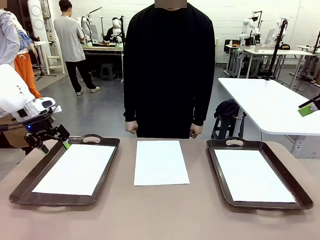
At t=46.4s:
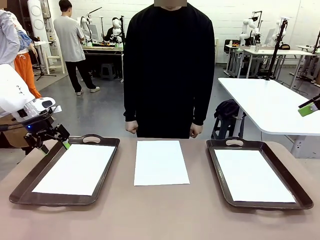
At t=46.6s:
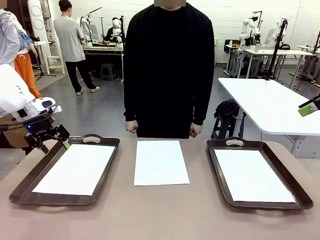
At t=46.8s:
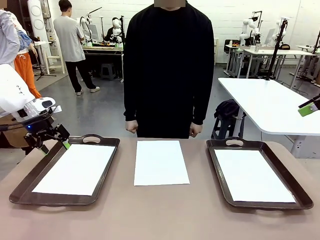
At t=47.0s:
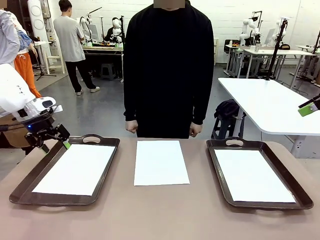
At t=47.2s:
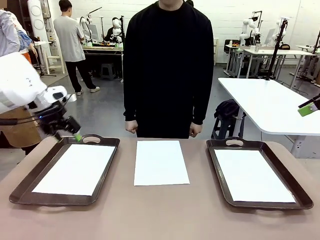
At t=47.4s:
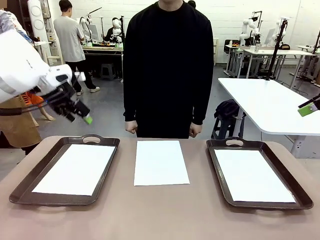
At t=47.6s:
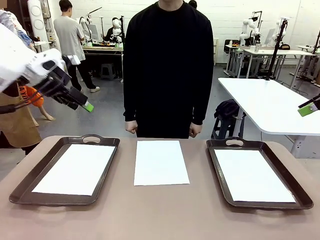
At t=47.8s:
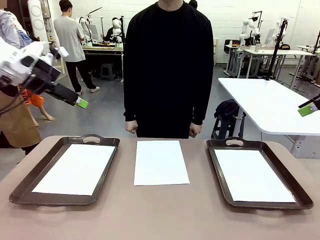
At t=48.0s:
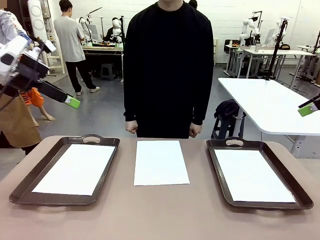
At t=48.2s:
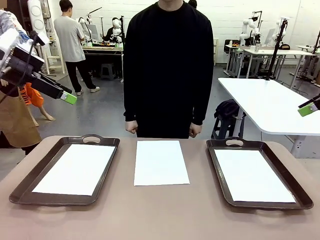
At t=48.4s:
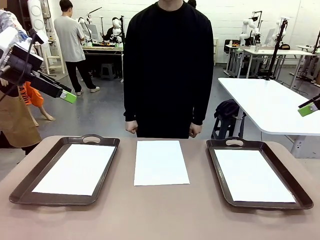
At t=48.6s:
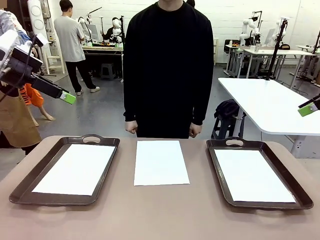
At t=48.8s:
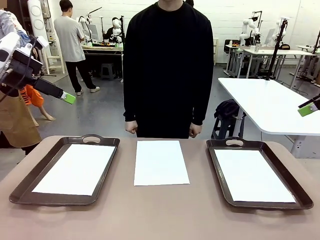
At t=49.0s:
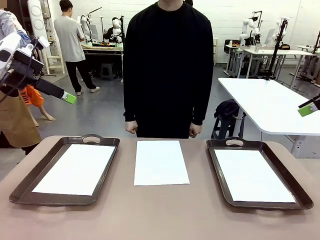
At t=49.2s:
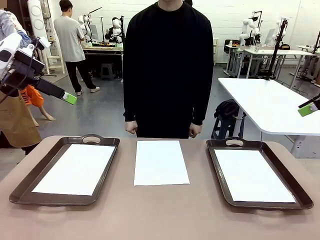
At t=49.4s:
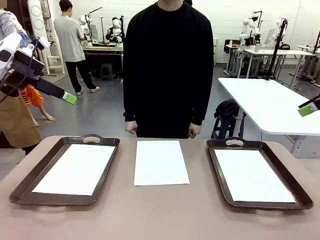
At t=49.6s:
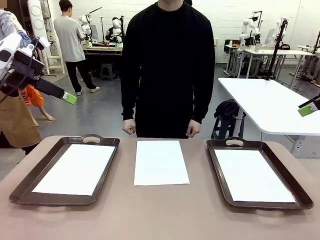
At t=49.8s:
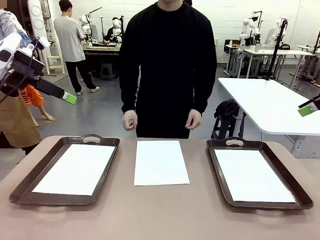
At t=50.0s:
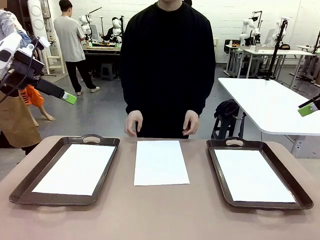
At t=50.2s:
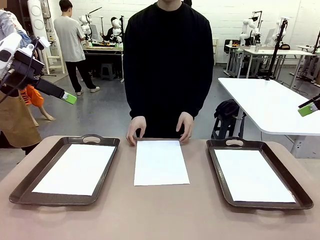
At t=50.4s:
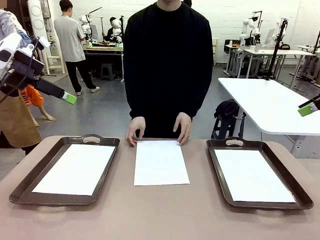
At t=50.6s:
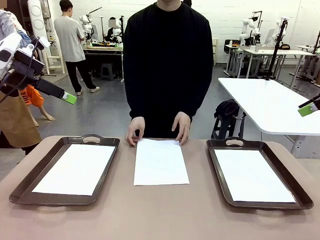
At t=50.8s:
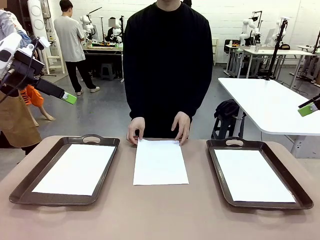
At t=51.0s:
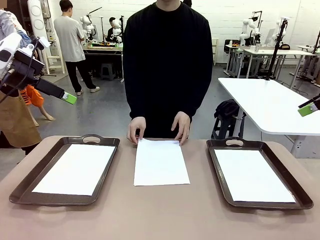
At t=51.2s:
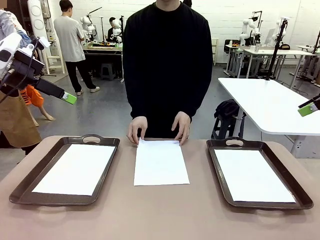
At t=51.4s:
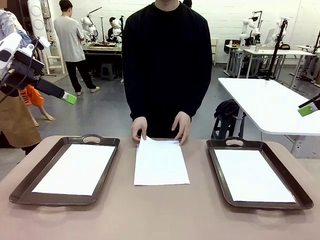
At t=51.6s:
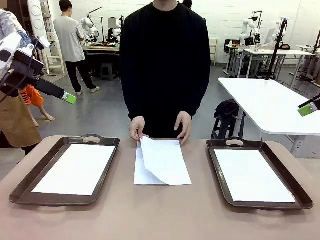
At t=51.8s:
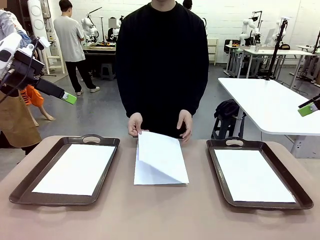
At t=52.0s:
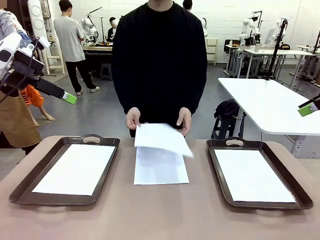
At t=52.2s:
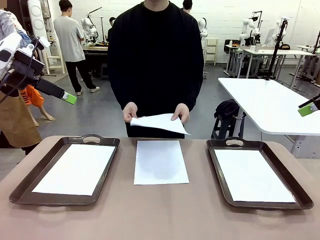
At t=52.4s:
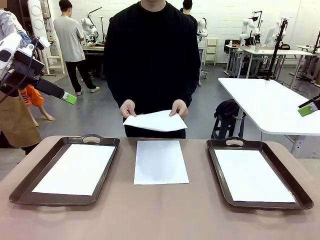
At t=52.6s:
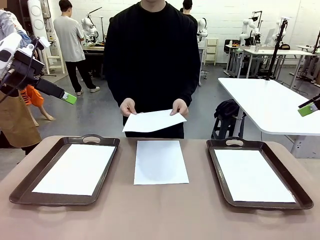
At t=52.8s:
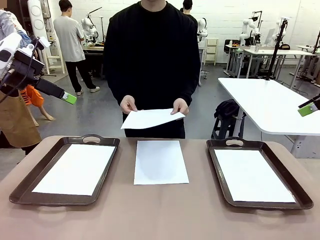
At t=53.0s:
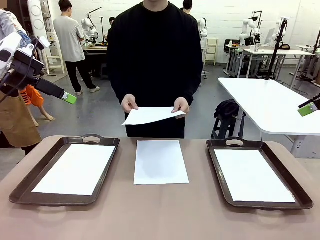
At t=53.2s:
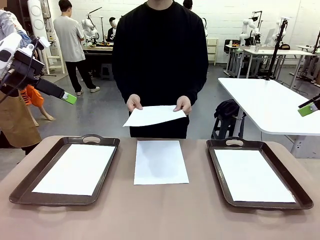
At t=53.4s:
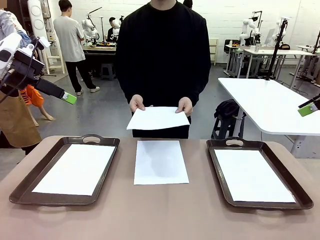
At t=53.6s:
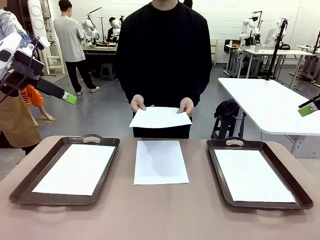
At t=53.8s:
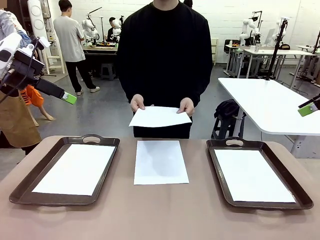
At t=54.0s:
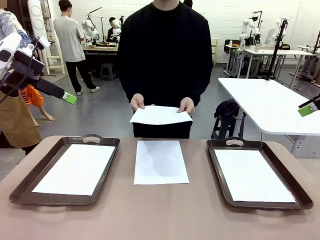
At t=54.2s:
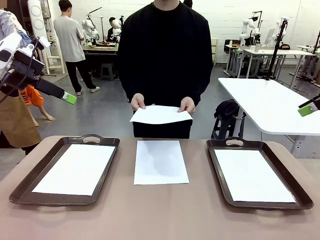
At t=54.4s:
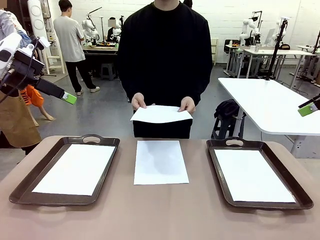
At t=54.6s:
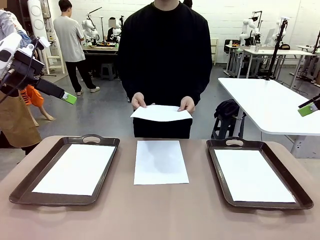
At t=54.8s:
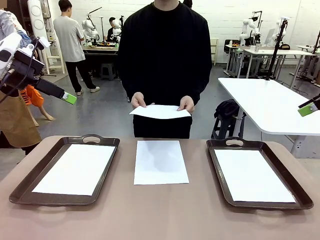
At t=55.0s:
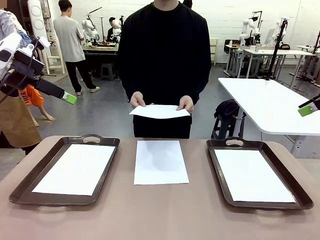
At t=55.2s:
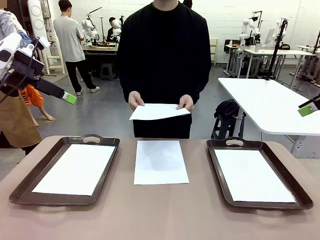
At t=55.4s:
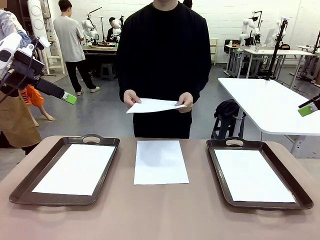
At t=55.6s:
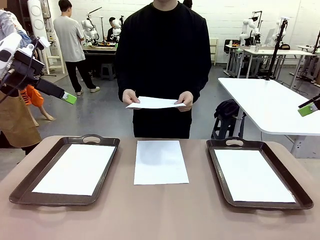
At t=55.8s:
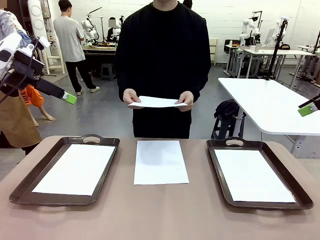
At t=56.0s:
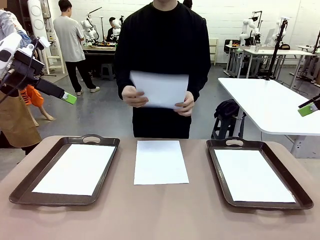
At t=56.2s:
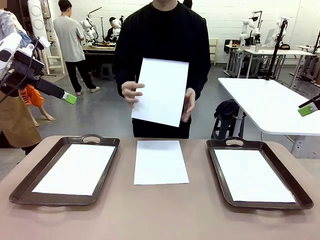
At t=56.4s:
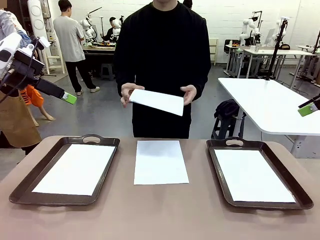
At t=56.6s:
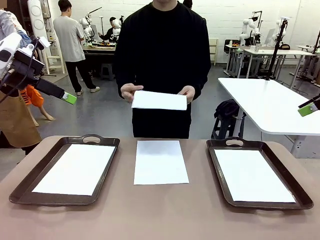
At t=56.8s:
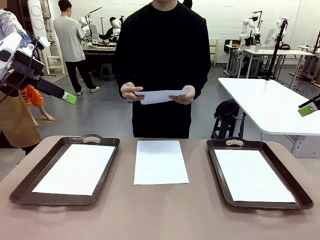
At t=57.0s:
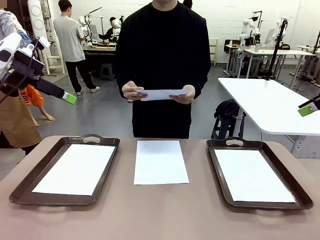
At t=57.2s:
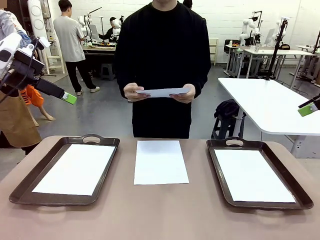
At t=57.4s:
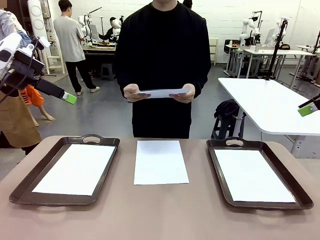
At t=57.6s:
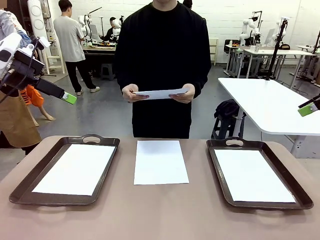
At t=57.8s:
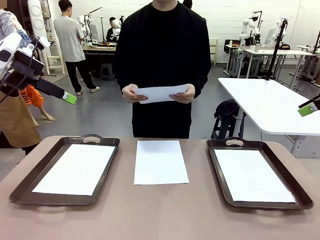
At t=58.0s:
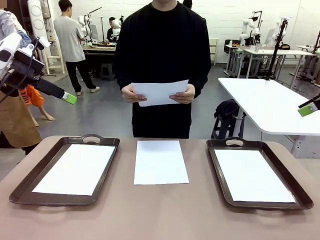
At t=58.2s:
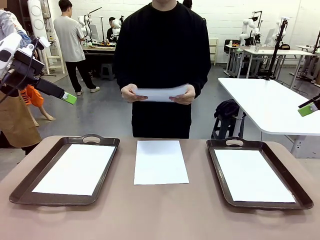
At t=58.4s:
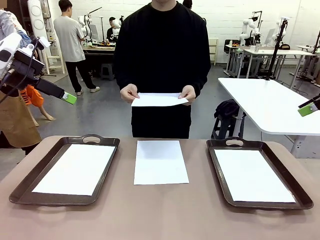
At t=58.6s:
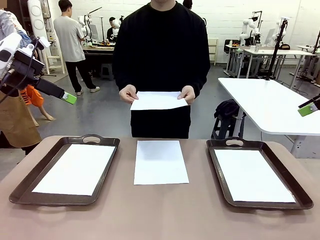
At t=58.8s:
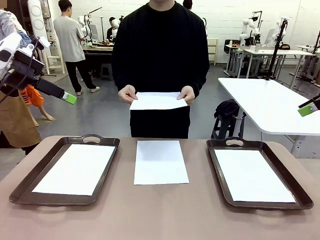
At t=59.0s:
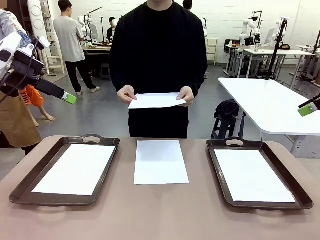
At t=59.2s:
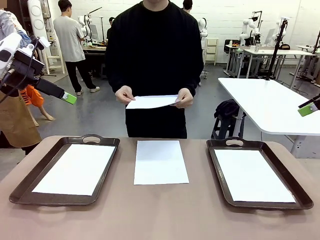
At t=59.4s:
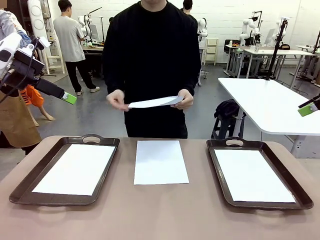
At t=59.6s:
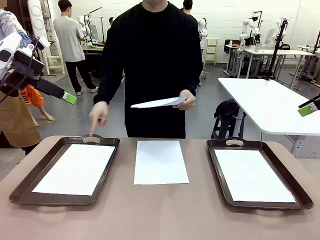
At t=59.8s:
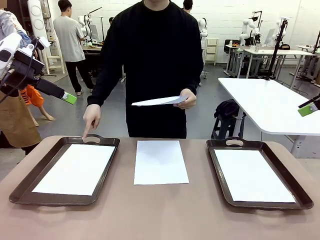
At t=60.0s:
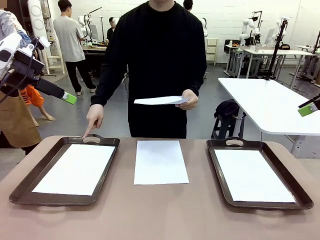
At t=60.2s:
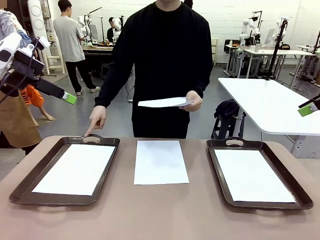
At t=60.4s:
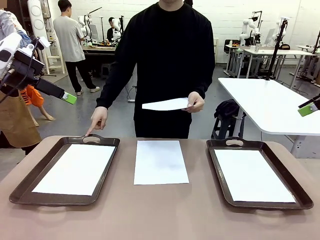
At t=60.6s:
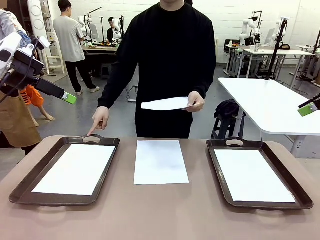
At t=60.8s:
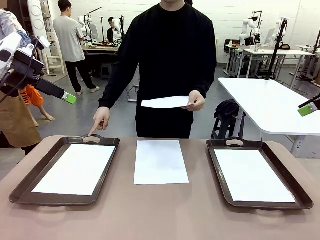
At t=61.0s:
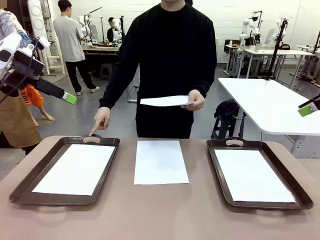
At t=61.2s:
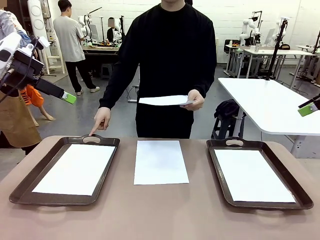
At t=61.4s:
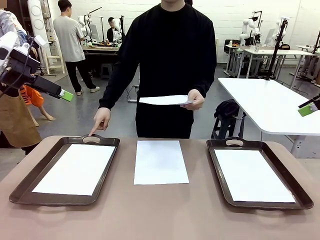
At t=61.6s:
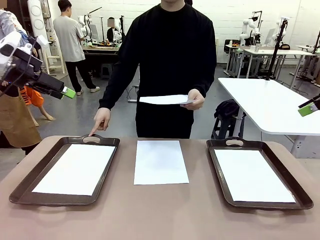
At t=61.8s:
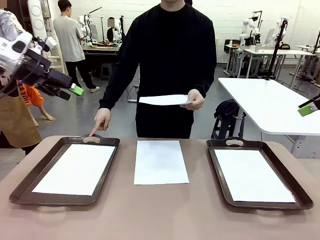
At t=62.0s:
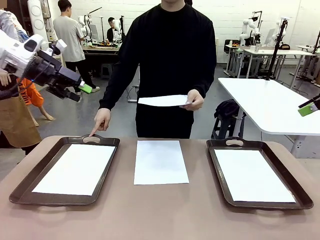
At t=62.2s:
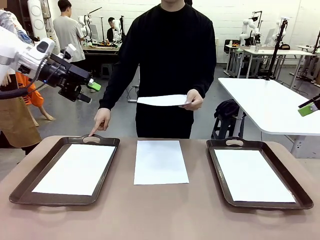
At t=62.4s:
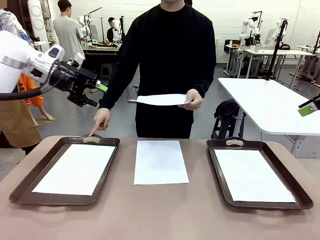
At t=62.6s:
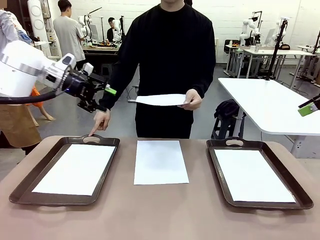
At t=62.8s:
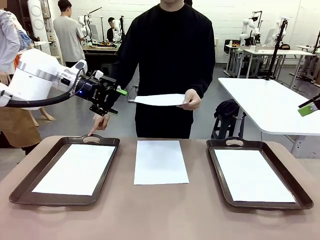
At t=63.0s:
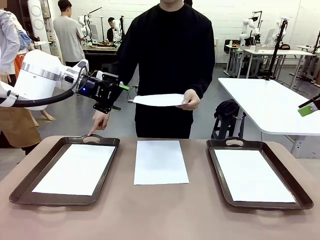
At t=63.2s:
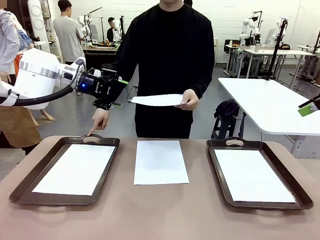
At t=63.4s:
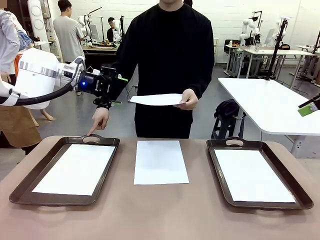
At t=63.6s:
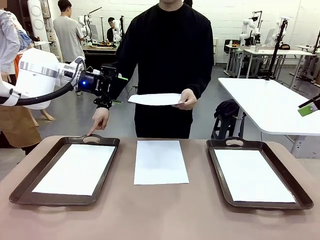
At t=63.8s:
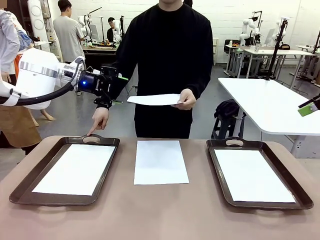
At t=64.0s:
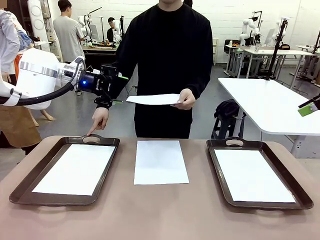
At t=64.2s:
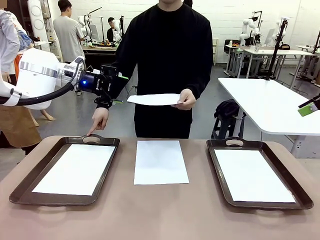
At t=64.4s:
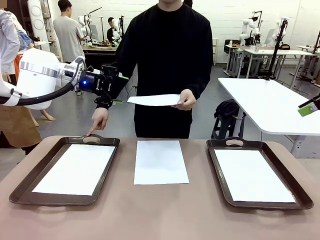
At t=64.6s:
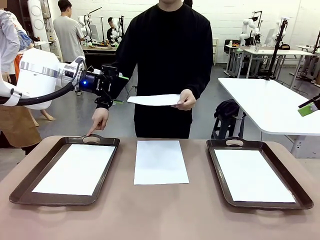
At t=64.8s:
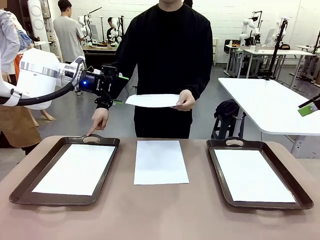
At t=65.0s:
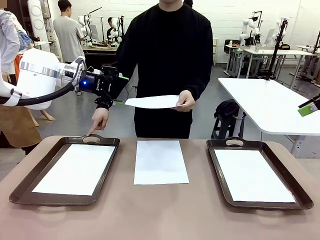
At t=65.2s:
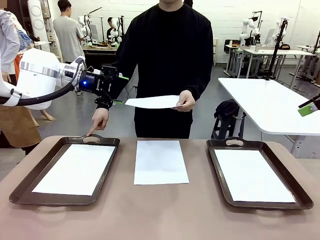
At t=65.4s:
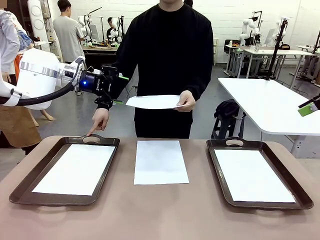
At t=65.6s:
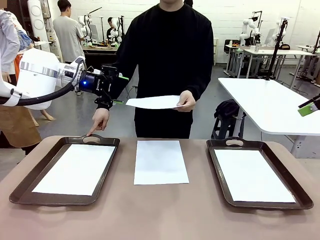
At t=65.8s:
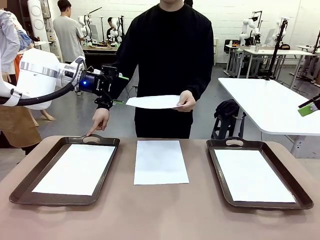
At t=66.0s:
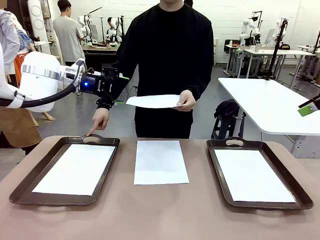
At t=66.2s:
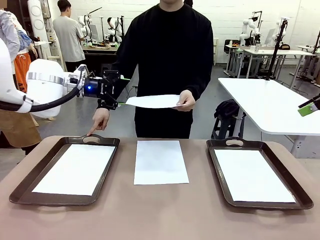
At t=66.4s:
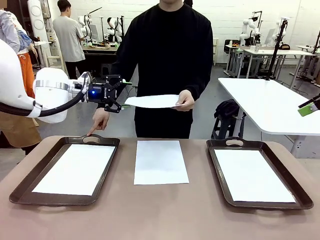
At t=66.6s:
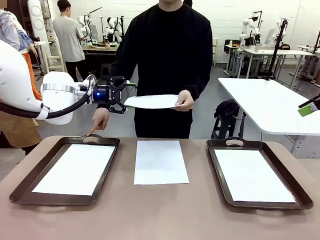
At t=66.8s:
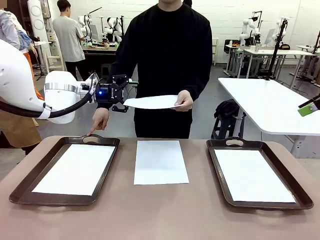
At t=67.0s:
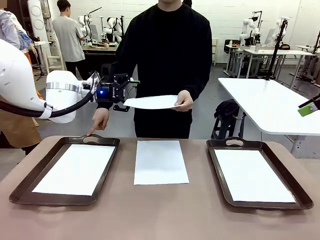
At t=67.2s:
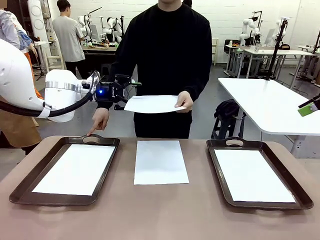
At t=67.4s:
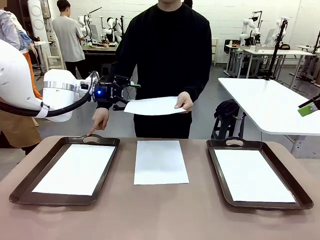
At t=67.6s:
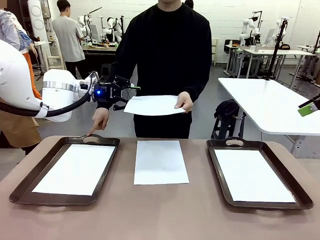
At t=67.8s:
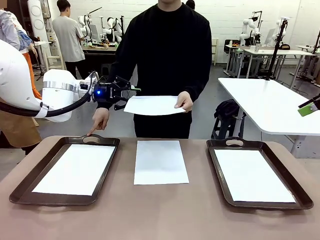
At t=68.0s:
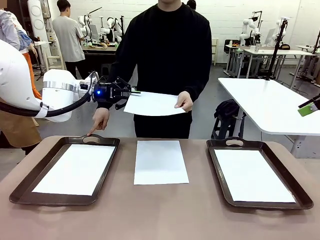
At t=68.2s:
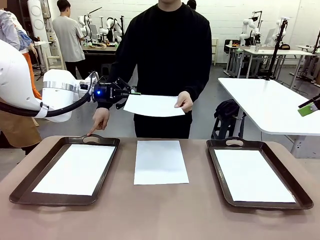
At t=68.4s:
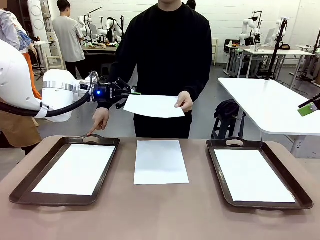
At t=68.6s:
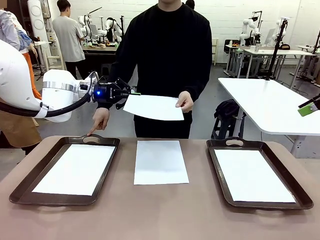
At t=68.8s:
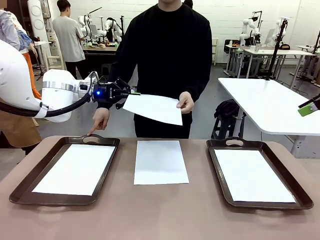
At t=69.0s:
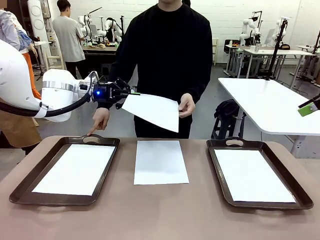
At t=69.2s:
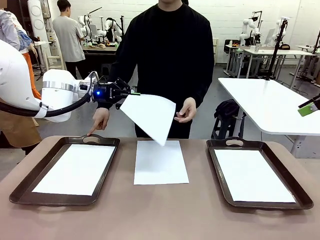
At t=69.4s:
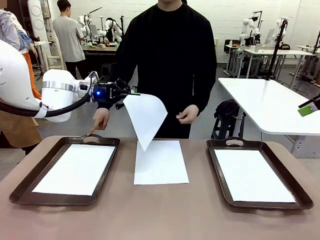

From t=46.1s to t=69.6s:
Task: Sort the A4 documents.
Robot: Receive the A4 Paper.
Person: Point the randomly selected tray with the other hand.
